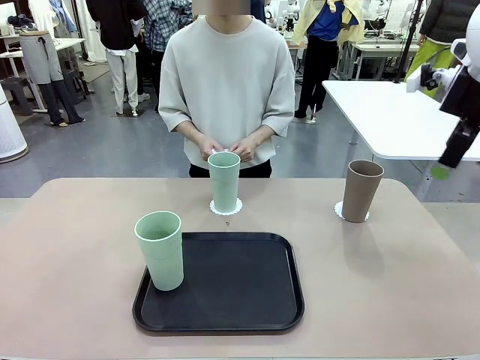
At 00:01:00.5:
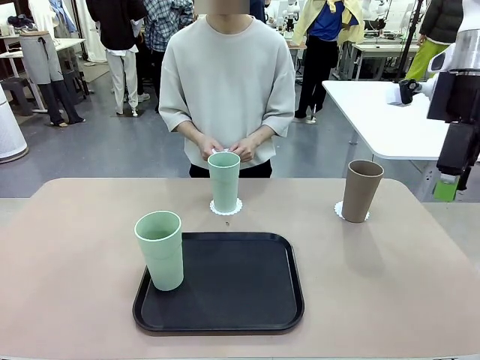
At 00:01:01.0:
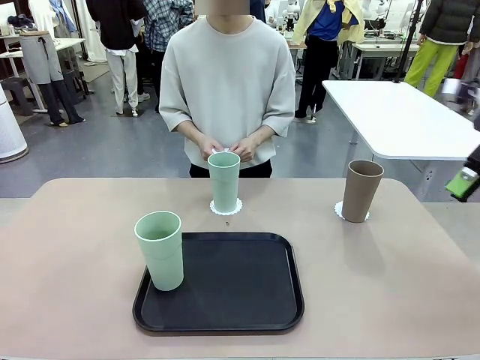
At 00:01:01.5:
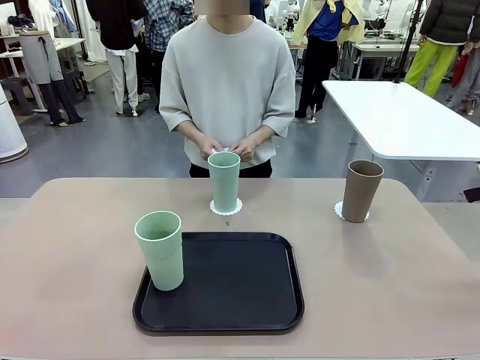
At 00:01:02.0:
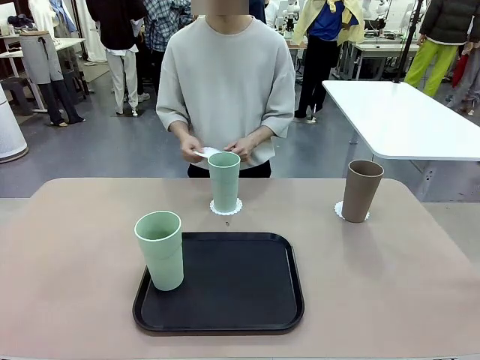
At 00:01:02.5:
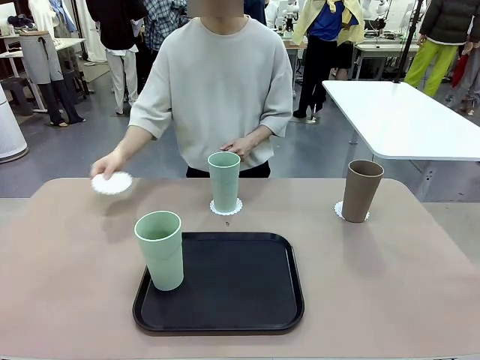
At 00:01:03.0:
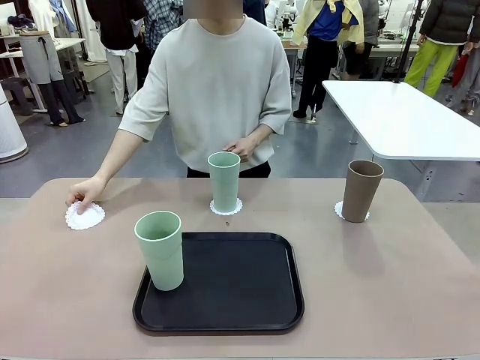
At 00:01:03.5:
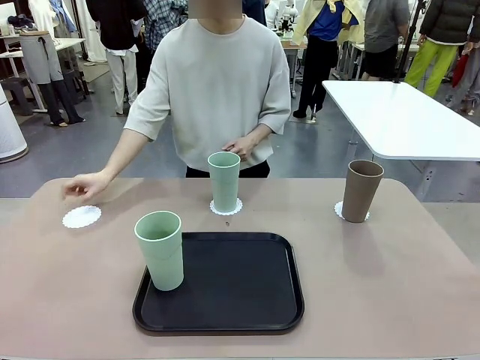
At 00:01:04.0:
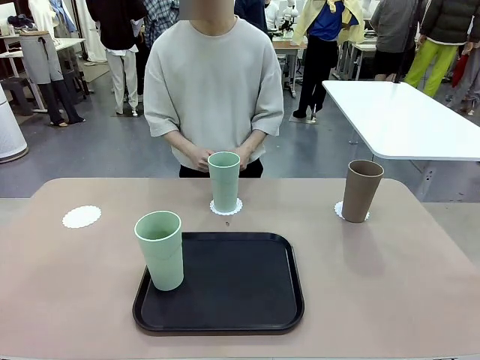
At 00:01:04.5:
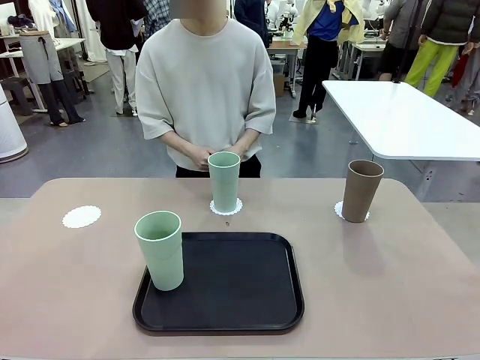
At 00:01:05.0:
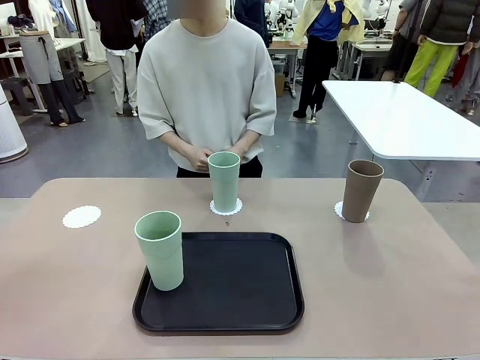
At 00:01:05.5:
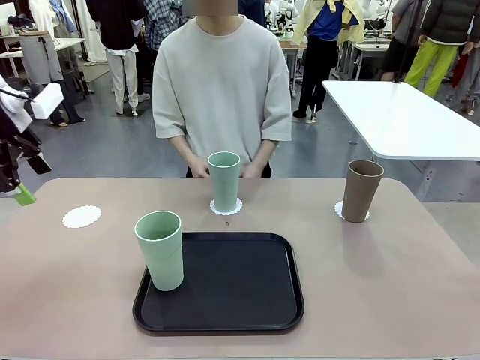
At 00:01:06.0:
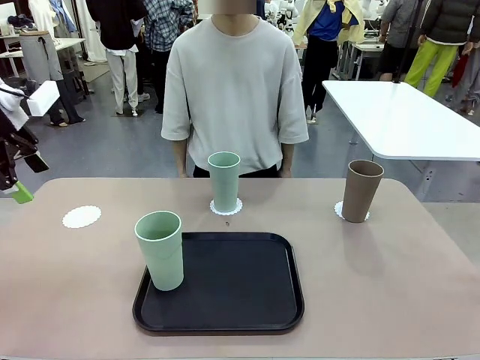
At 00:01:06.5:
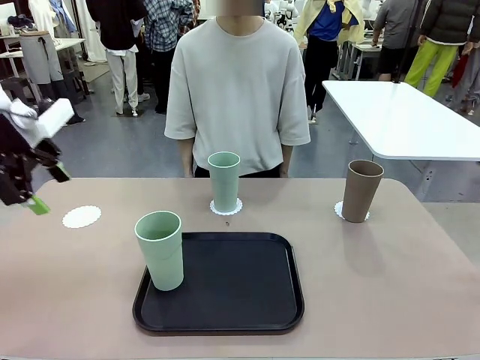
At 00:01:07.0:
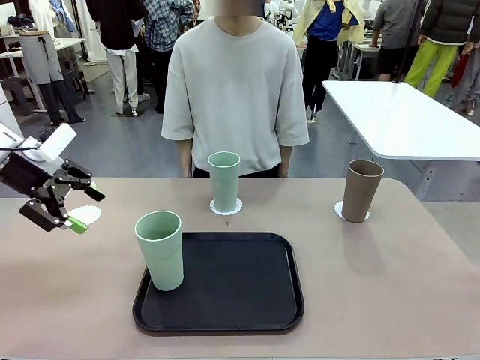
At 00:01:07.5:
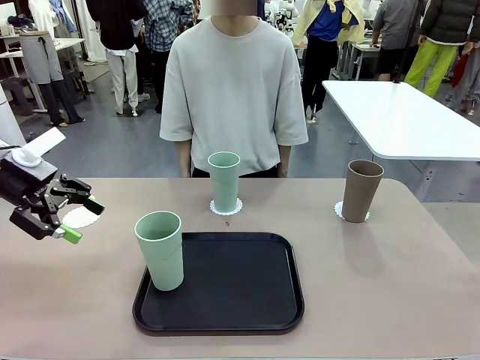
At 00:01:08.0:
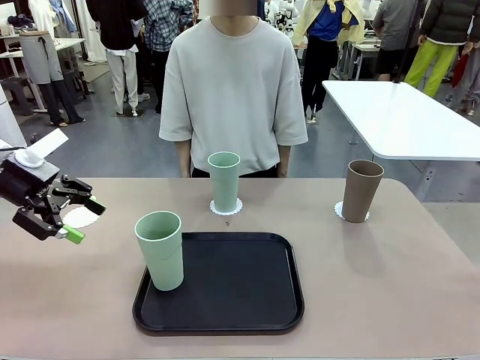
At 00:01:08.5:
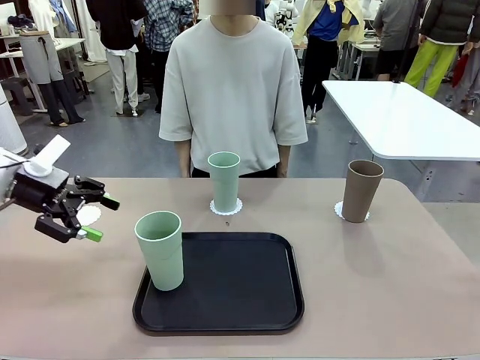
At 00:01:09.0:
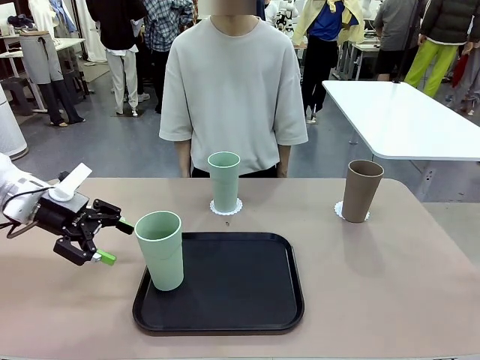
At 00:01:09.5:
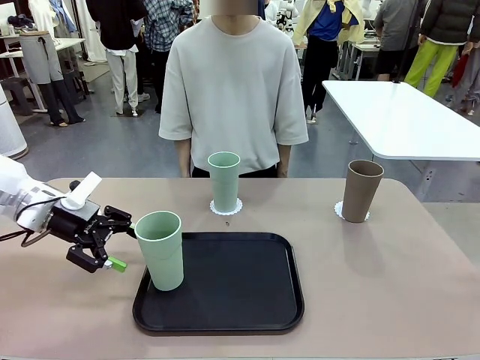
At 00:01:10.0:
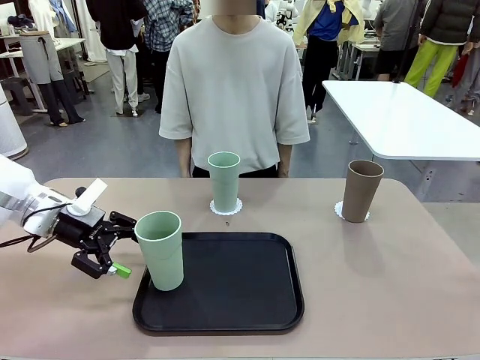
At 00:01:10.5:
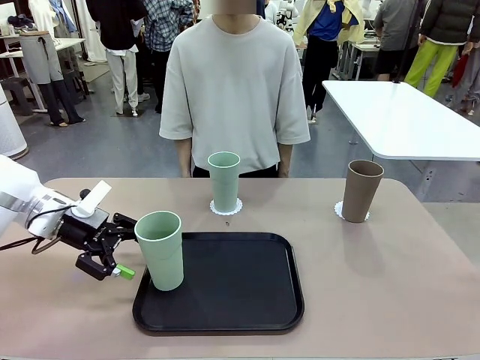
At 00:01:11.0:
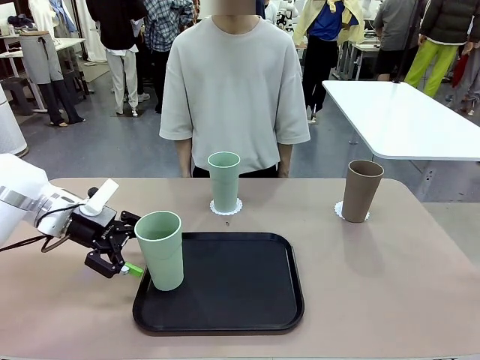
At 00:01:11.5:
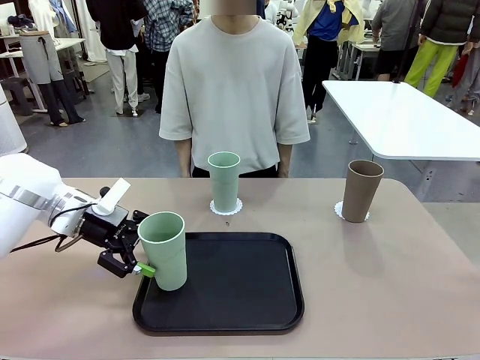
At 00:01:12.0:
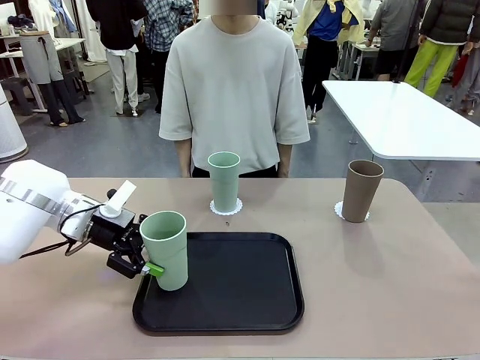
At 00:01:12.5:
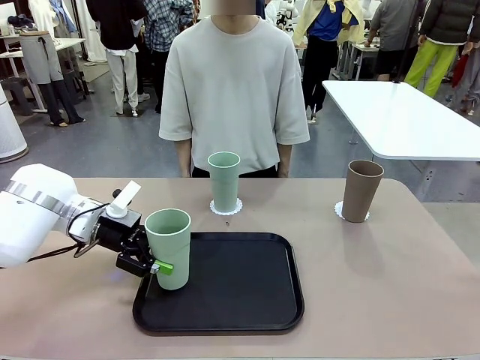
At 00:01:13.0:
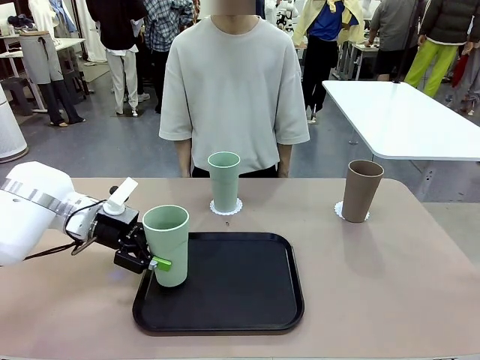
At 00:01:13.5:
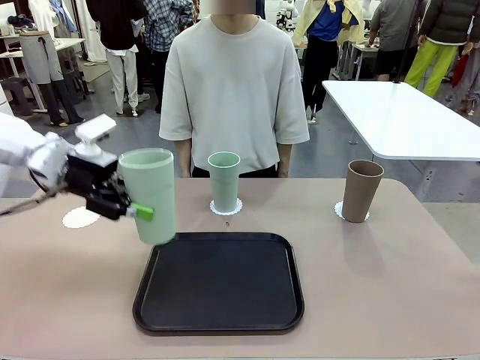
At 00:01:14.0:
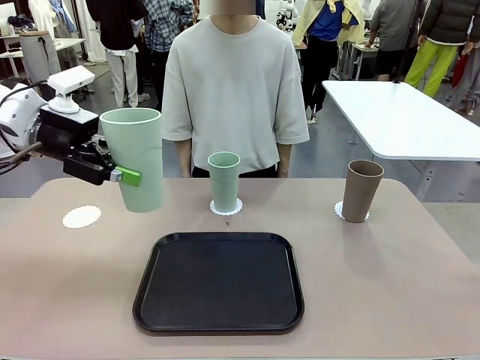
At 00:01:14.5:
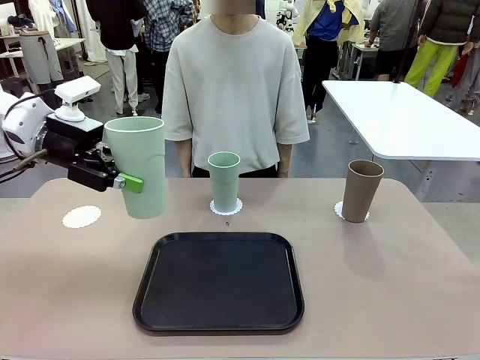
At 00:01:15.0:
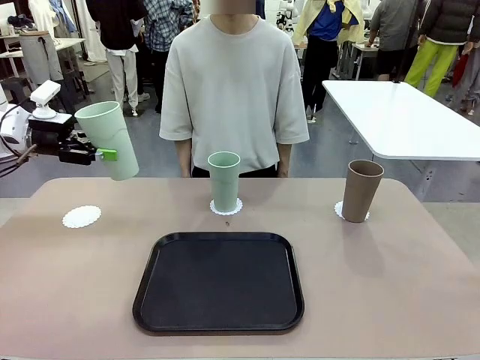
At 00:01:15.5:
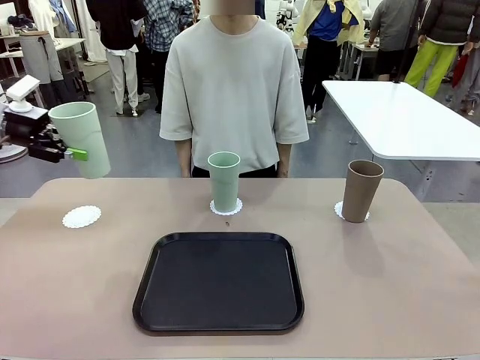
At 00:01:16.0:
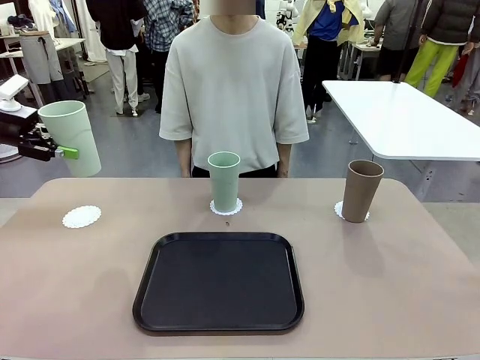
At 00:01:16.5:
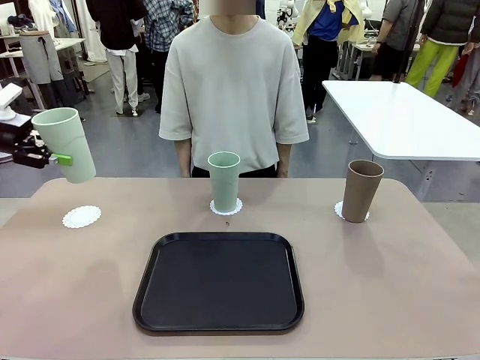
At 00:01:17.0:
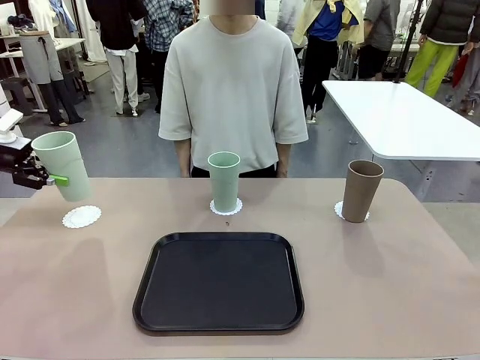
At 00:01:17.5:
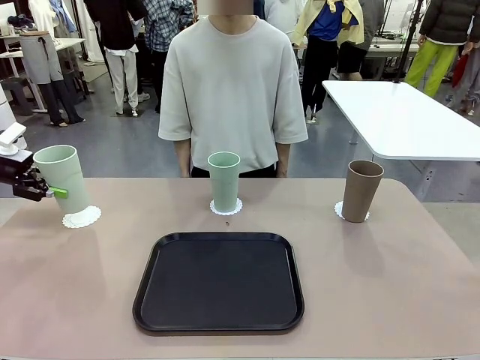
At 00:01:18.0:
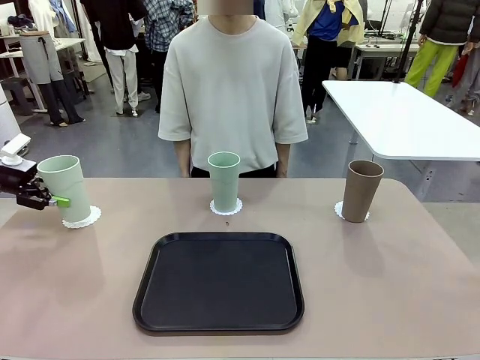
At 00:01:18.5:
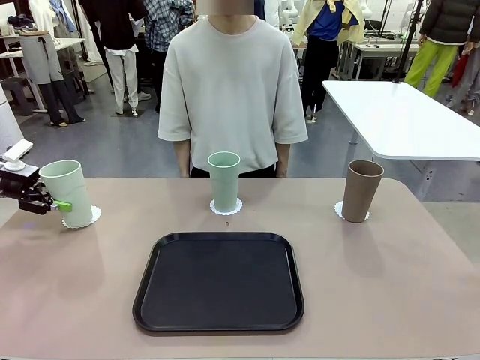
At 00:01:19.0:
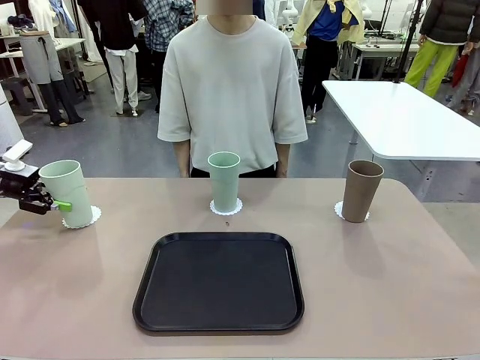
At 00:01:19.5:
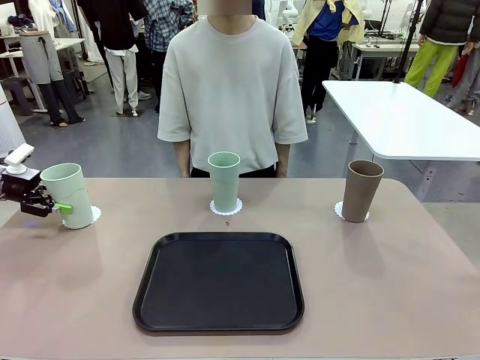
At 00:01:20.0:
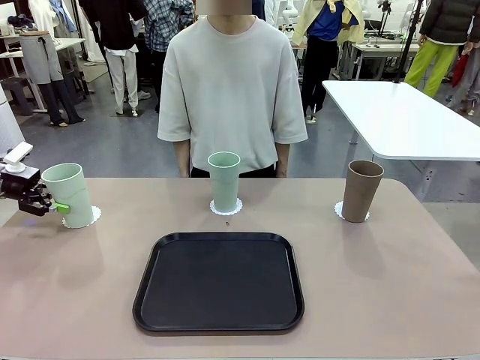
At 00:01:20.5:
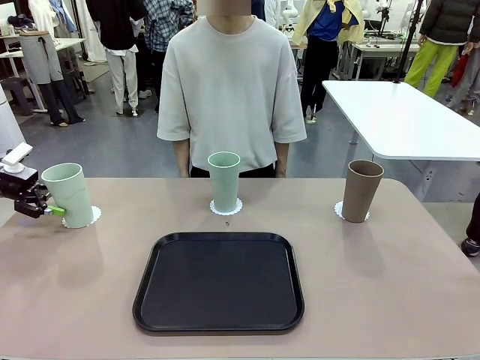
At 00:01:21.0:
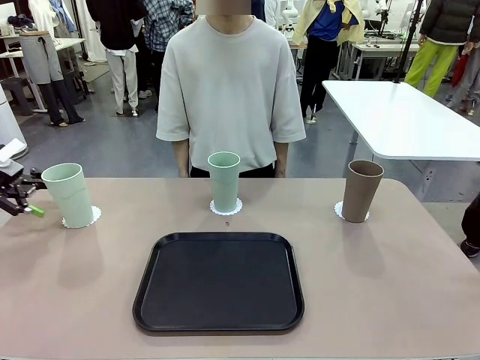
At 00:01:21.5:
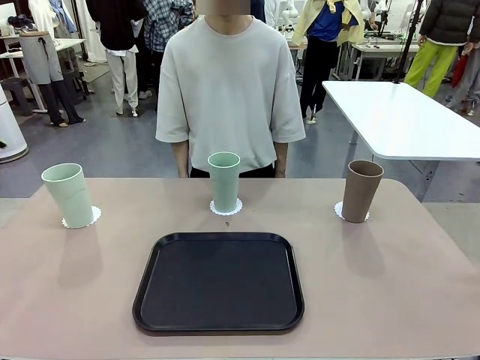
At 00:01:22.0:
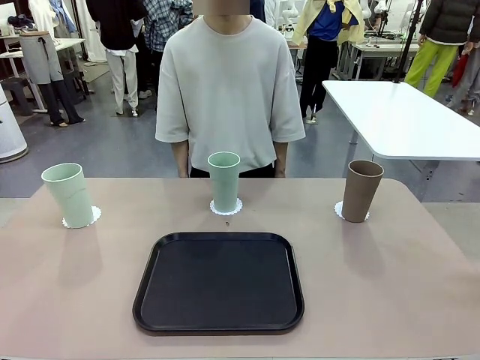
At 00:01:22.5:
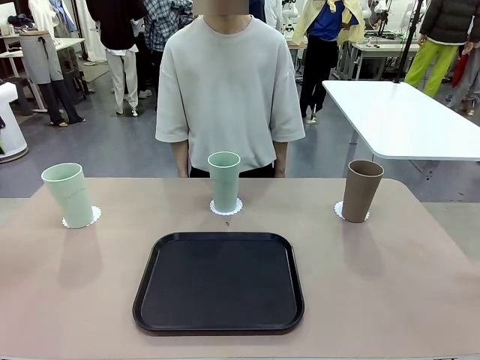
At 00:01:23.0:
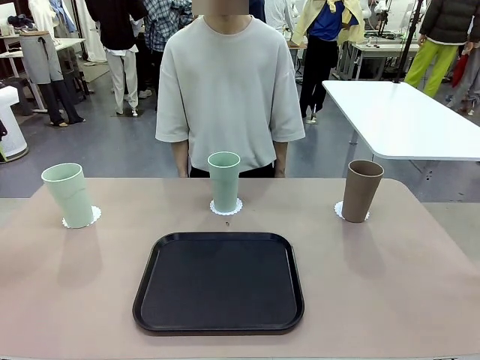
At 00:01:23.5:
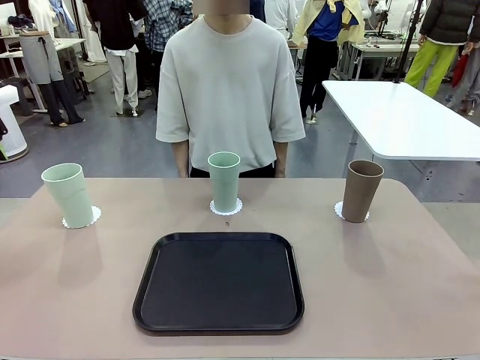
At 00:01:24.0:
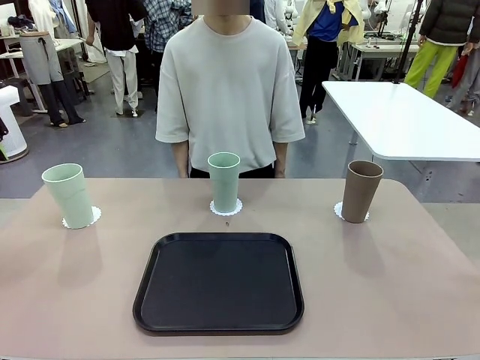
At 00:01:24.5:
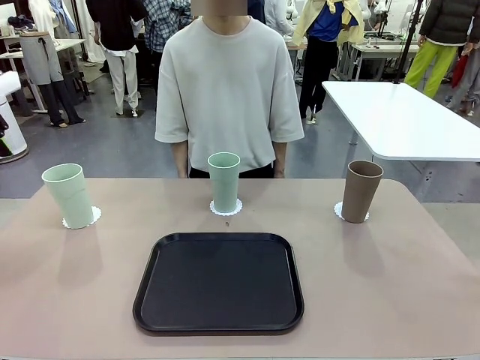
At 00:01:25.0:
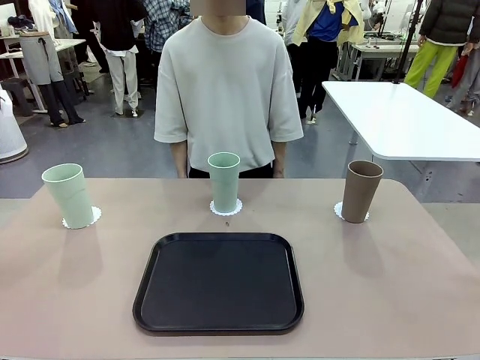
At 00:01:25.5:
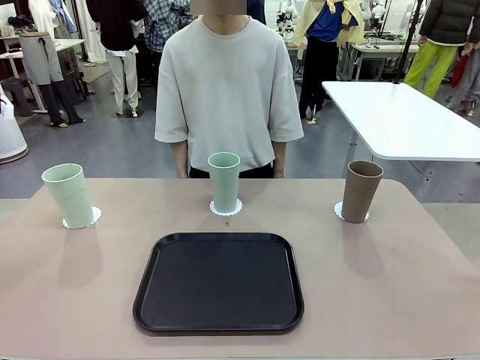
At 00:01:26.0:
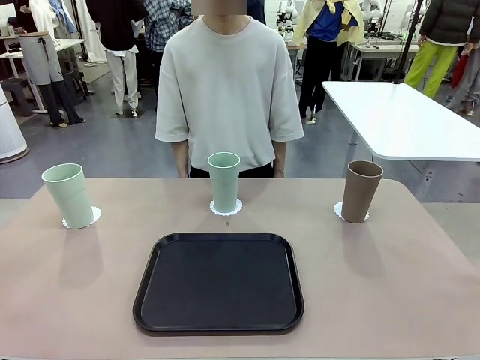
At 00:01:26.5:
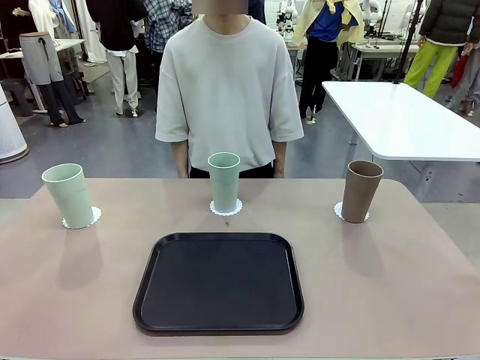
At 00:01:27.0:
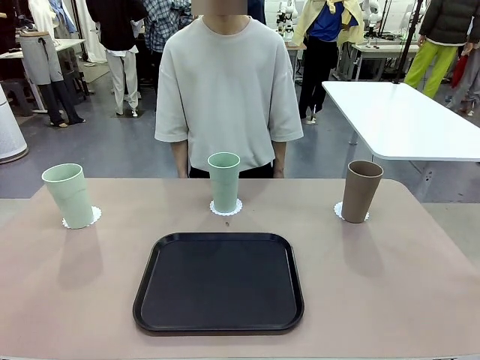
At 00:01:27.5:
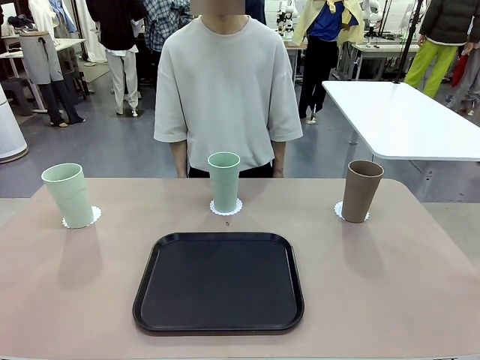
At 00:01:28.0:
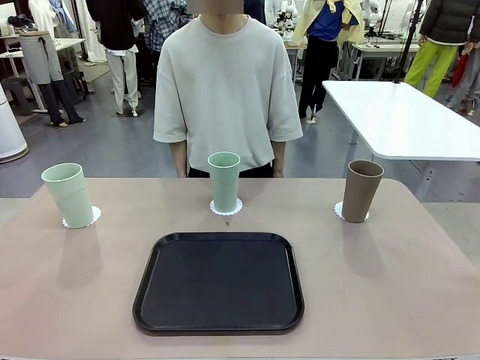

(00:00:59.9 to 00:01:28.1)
Task: Place coasters on the table and set cups on them.
Robot: Take one Reusable plastic cup from the Flat Tray and place it on a coaster set by the human.
Person: Place one coaster in the only remaining area.
